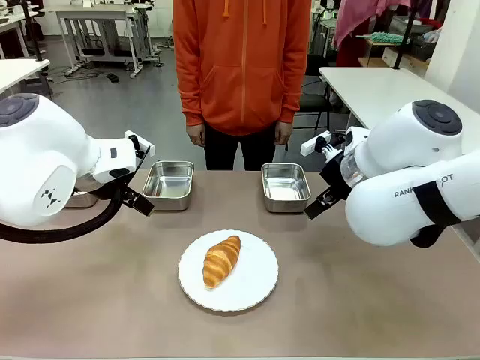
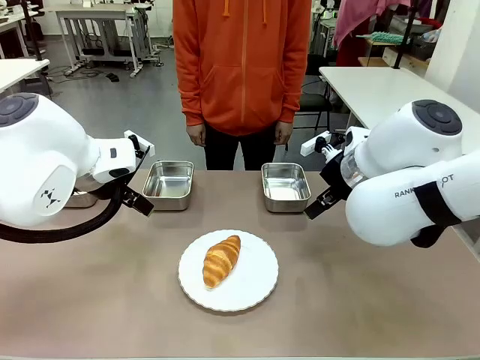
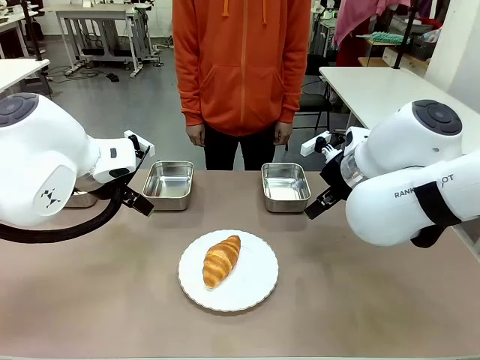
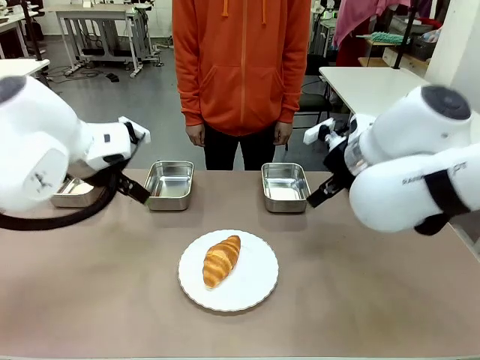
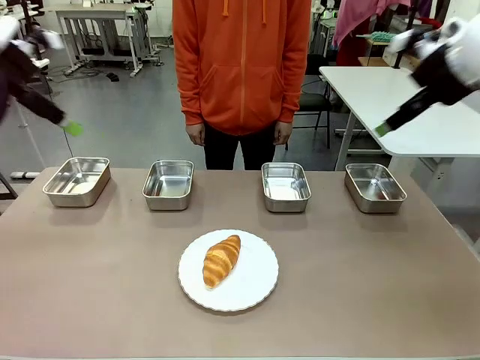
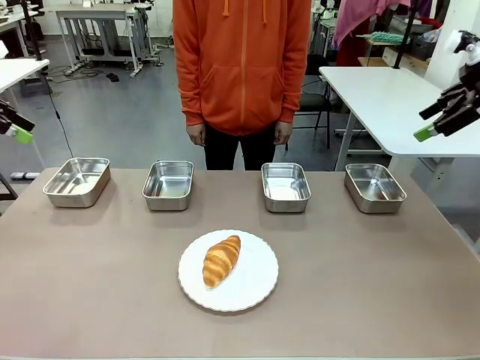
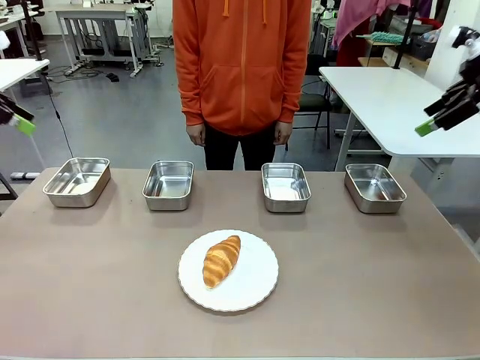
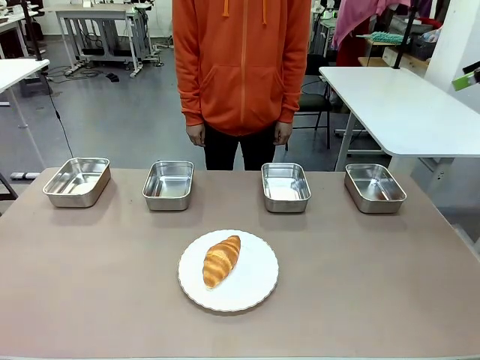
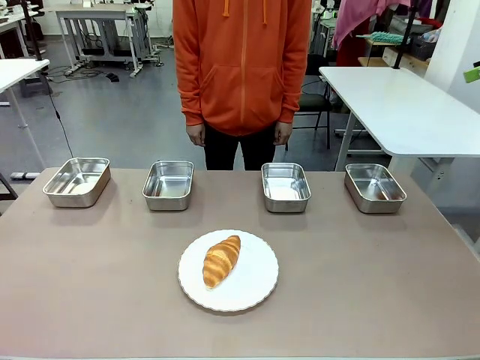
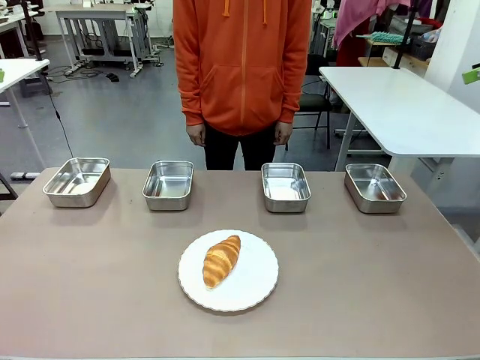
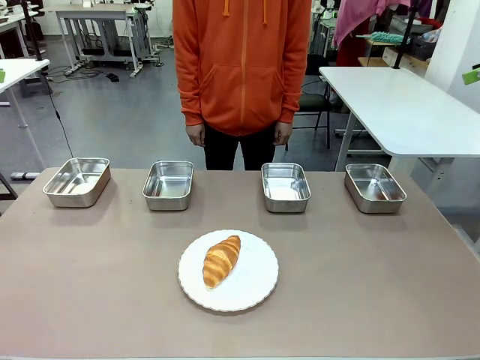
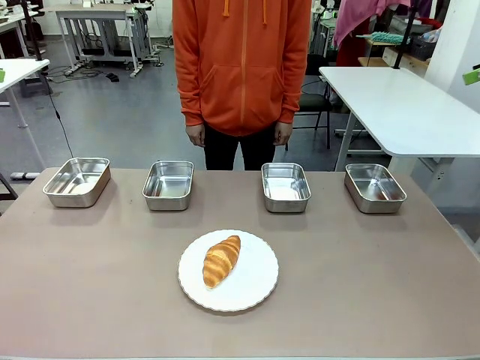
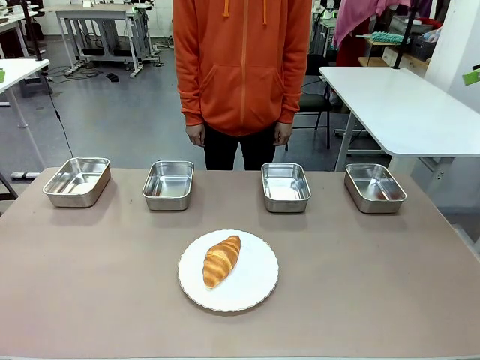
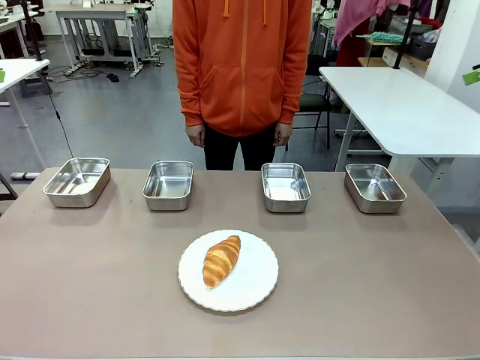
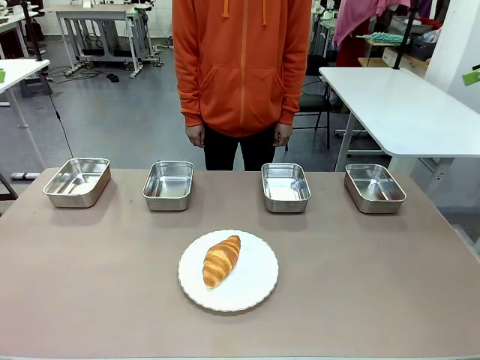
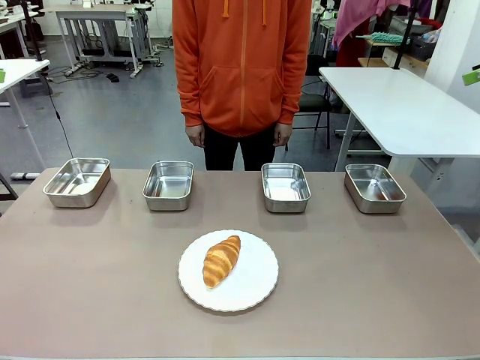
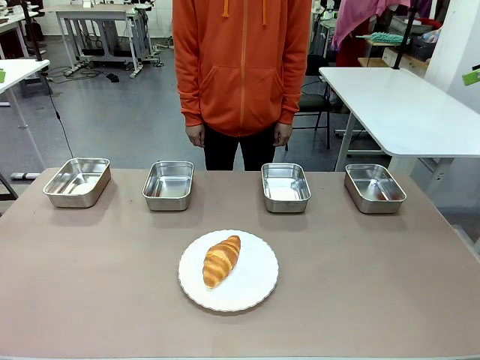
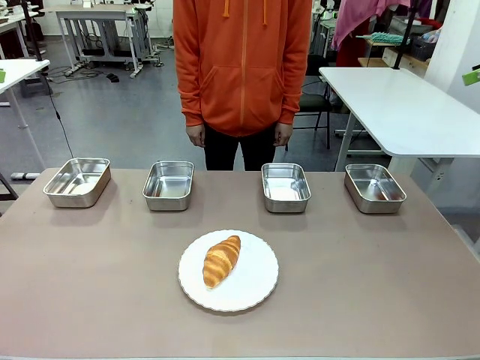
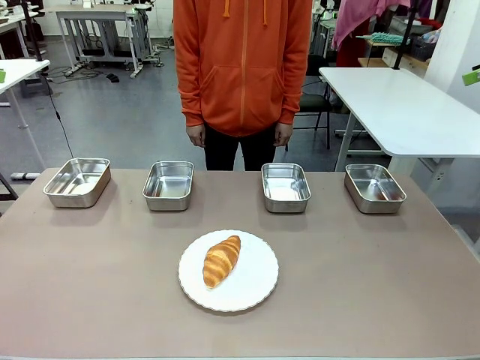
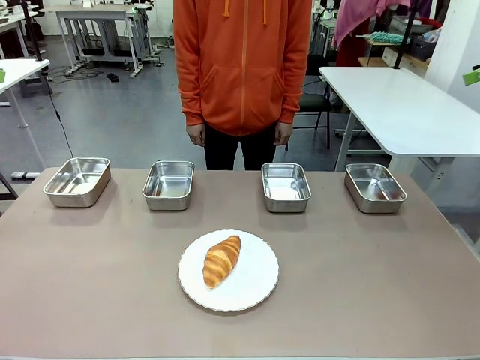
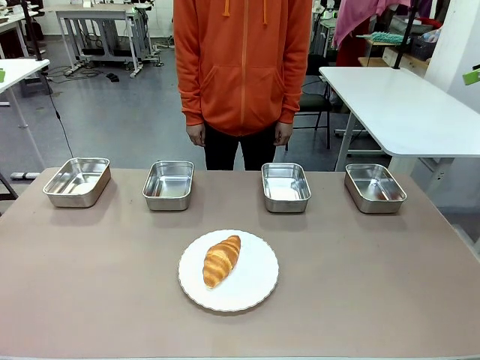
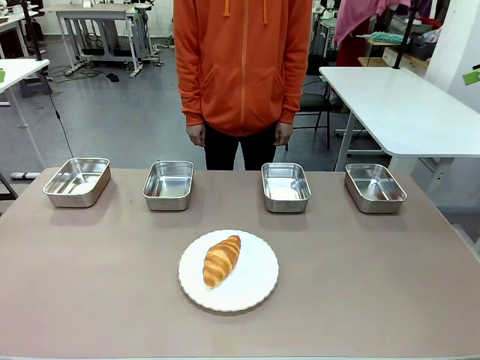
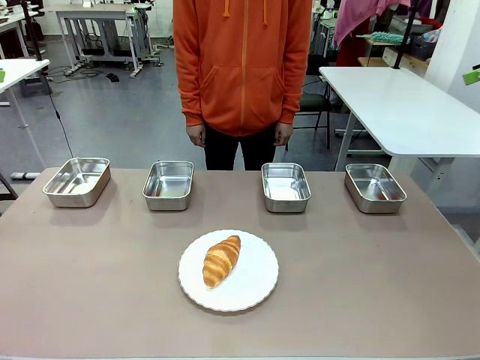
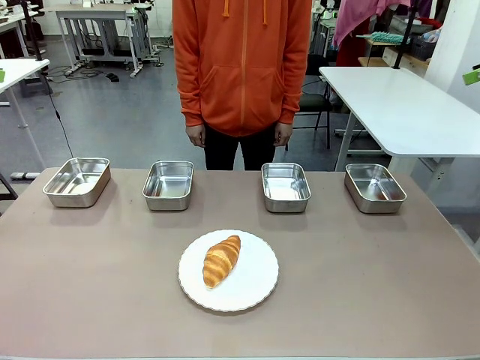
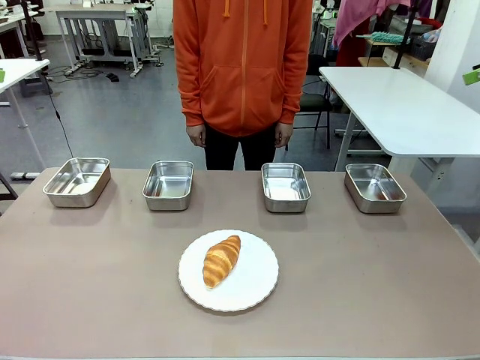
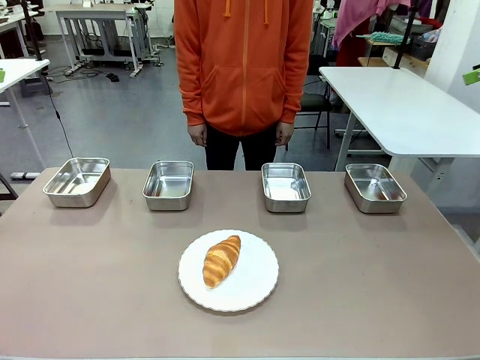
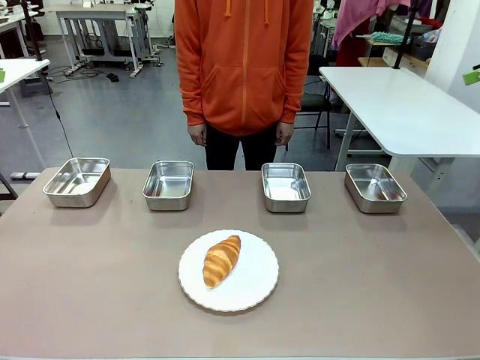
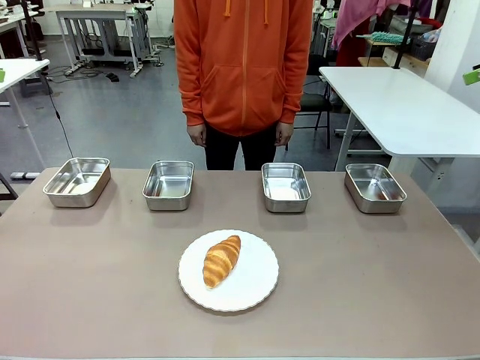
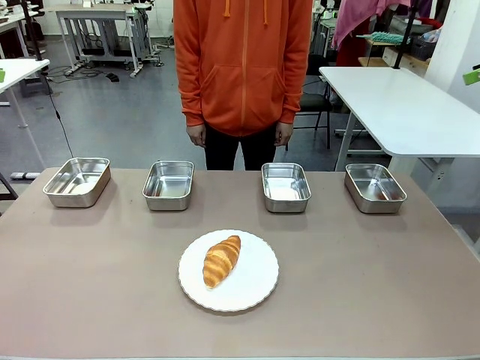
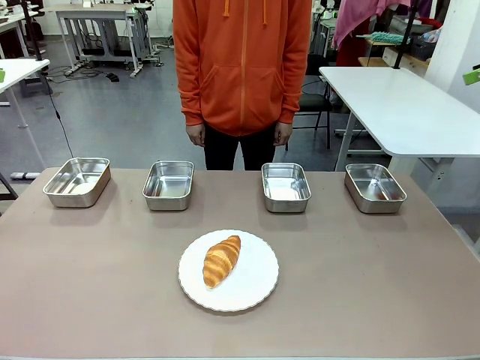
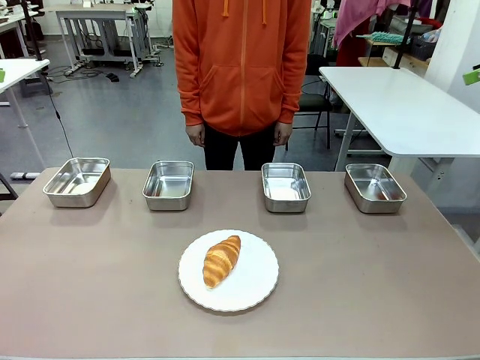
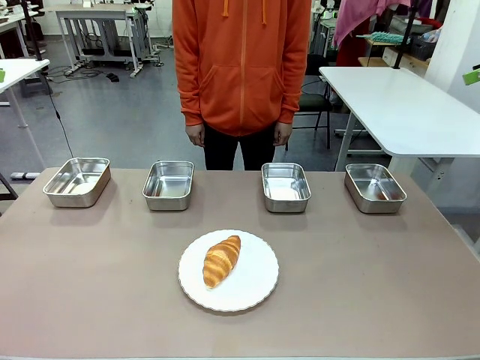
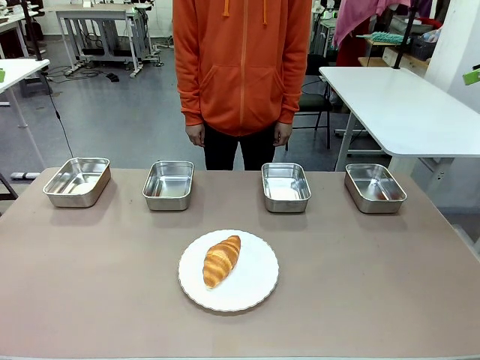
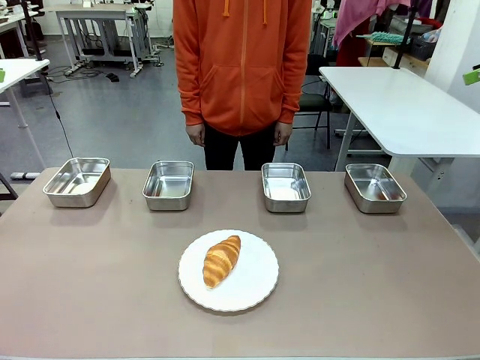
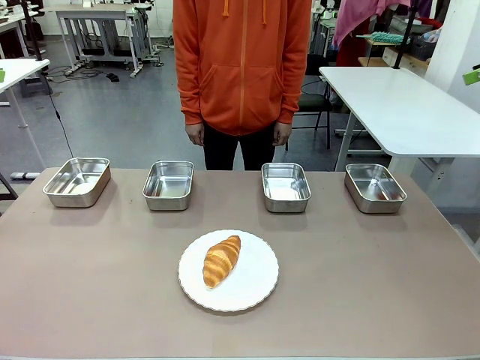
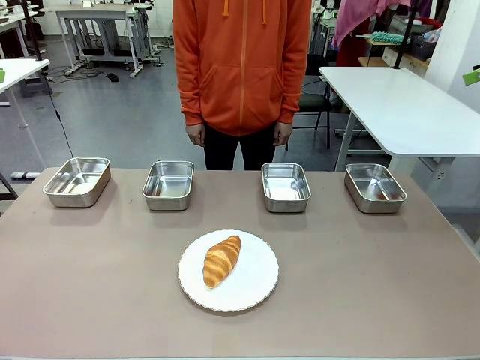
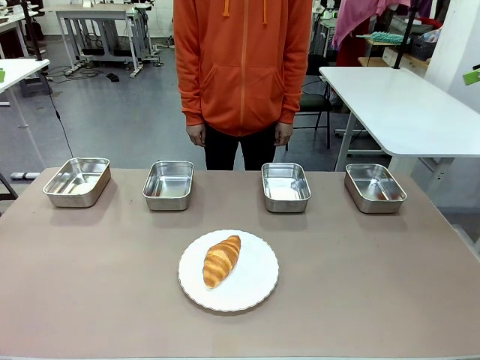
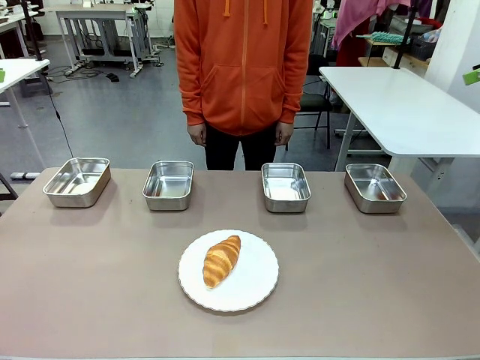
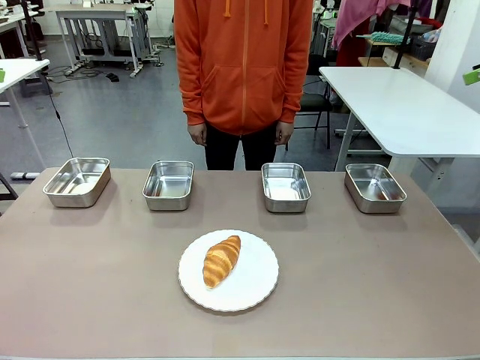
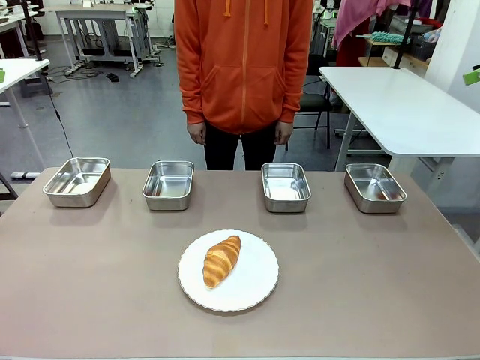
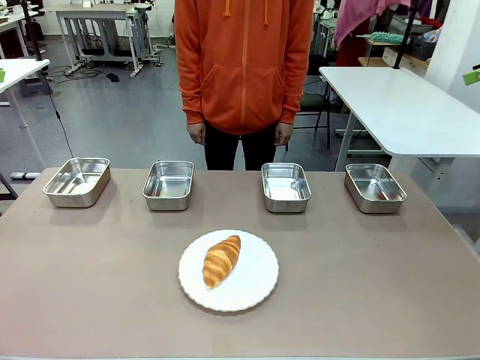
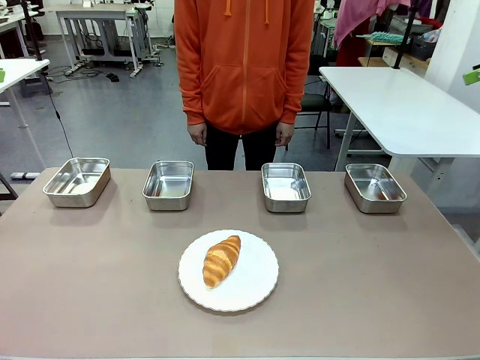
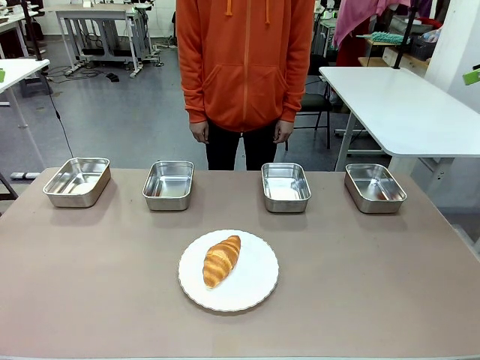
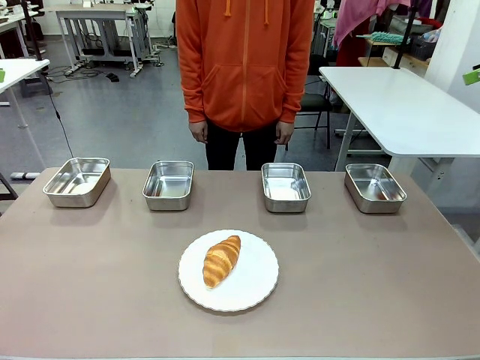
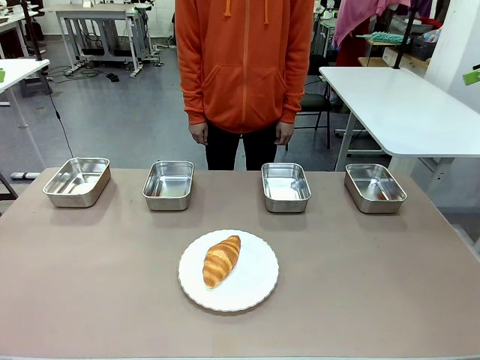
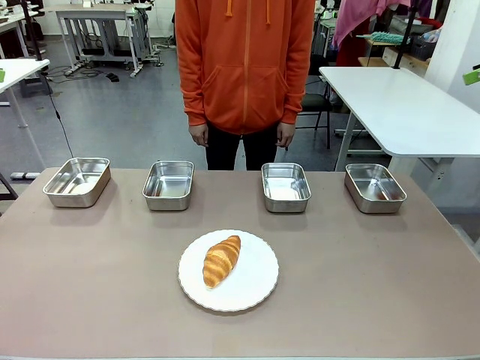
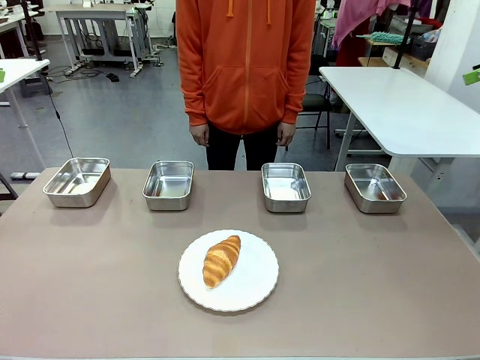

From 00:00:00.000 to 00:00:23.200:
Task: Place the bread in the container.
Robot: Place the Butter Roll into the Airtight Container indicated by the human.
